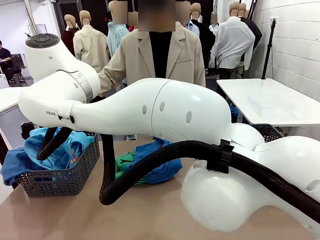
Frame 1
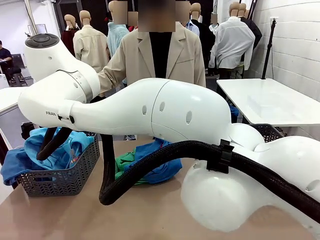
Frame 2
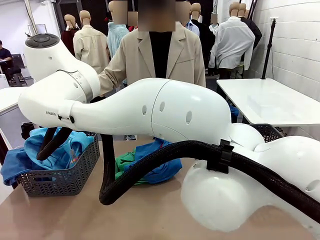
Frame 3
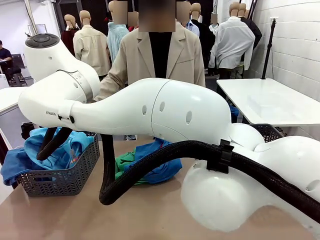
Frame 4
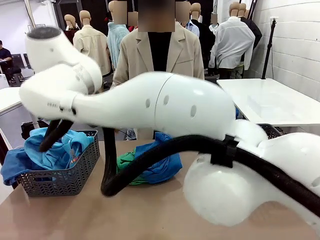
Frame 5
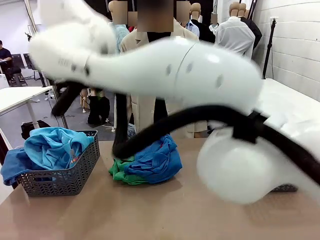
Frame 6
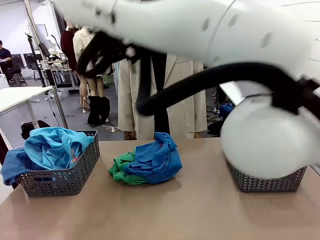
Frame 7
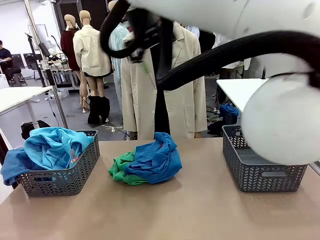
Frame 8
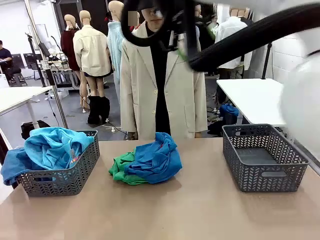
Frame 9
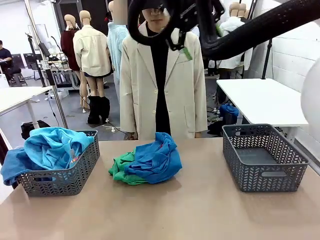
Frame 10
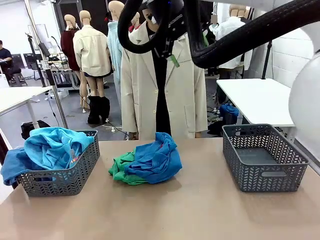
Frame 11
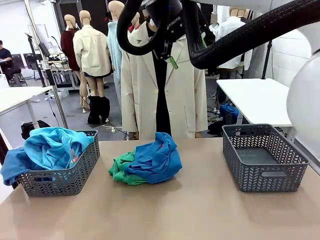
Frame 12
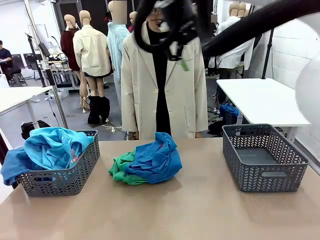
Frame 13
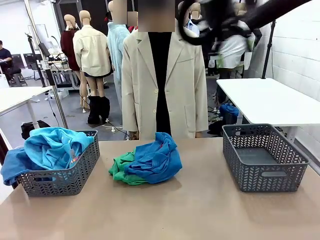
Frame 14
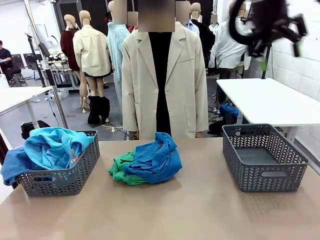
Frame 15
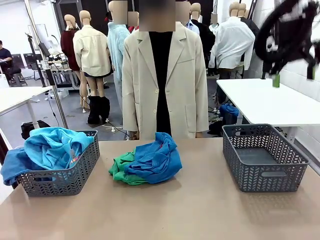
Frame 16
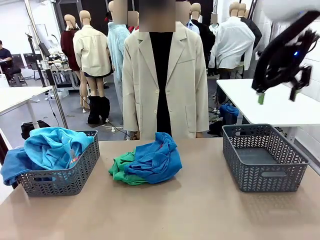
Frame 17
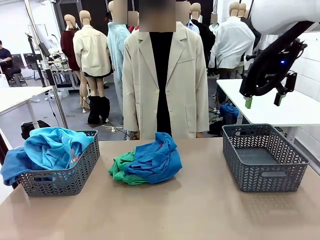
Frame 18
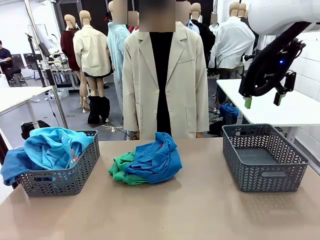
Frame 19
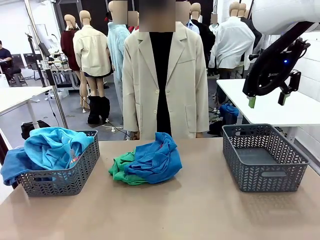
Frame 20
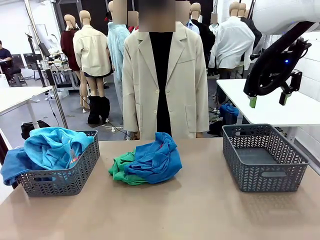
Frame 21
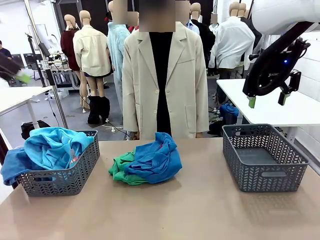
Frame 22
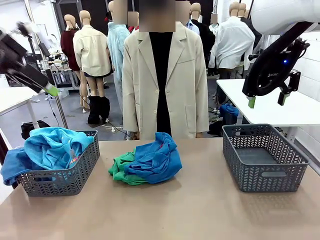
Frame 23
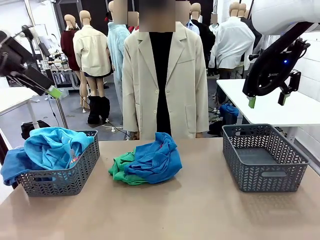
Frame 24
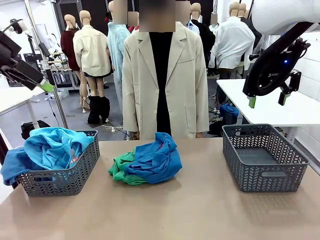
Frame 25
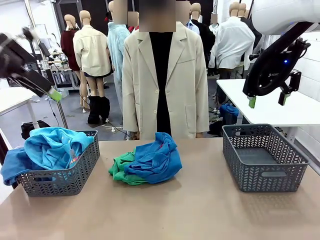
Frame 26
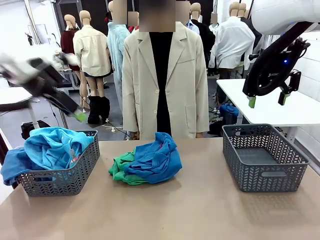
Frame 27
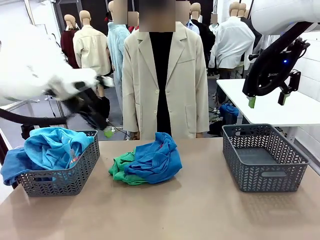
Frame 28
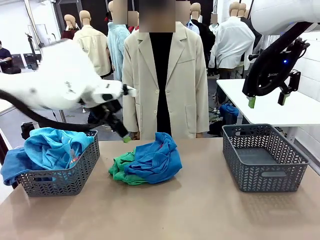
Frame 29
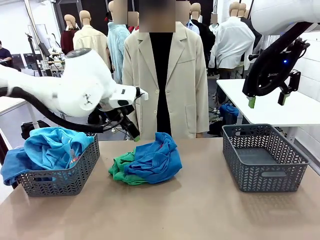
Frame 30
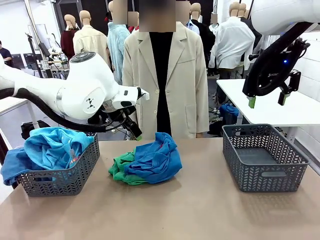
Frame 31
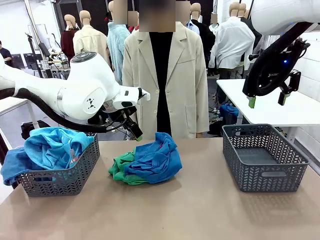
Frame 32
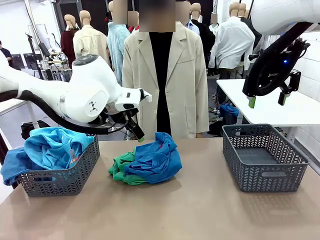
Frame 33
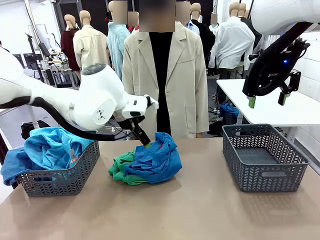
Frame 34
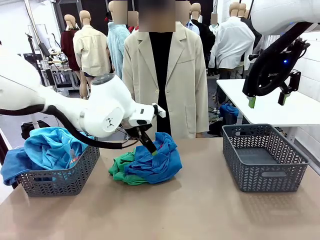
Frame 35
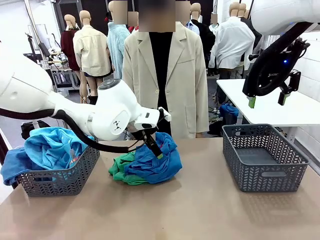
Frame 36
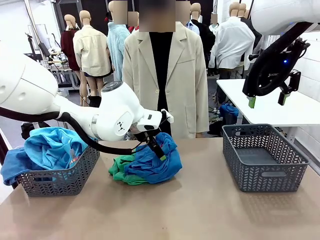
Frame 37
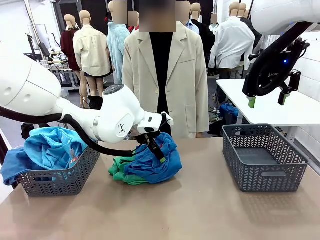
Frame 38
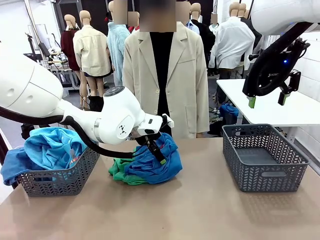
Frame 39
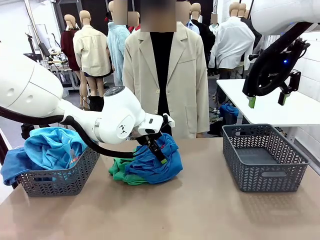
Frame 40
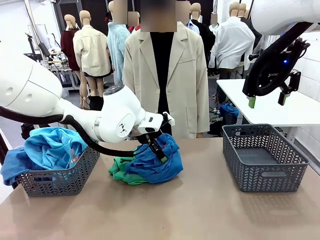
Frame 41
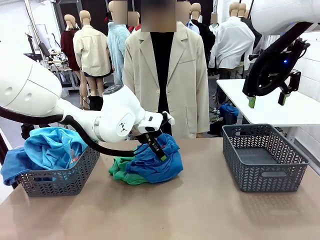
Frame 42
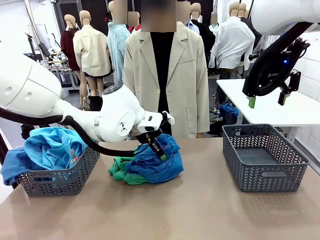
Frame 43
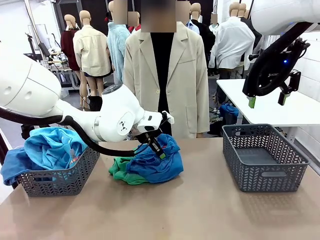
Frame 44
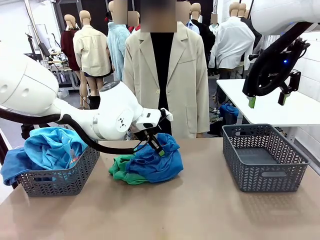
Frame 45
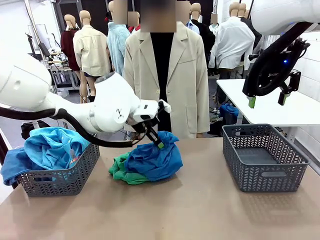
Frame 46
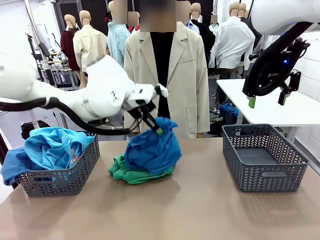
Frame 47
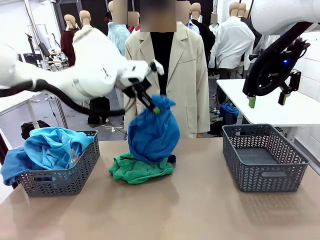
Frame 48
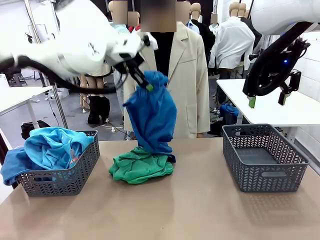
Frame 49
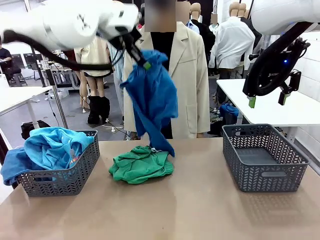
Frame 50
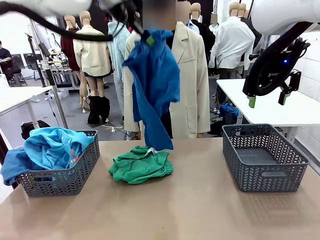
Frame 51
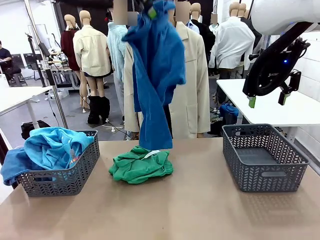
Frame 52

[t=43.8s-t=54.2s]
Task: Sort the tops and bottoms.
Robot: Lift clothes from the center of the table with your left hand.

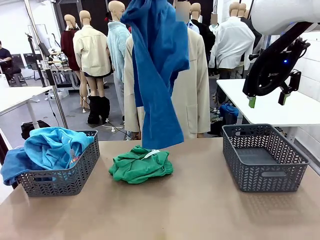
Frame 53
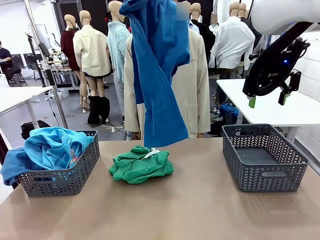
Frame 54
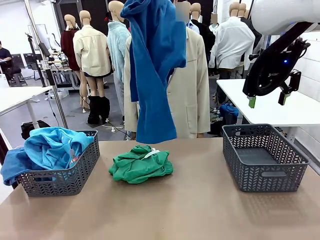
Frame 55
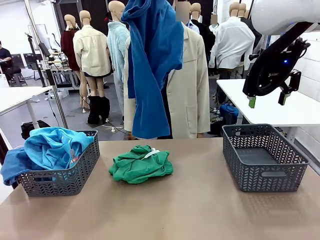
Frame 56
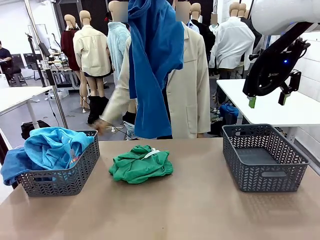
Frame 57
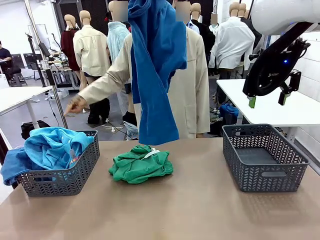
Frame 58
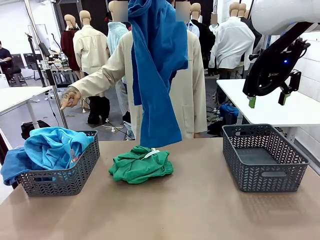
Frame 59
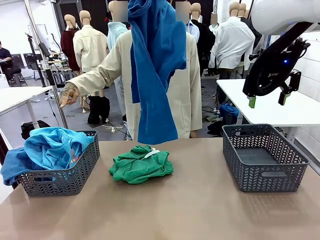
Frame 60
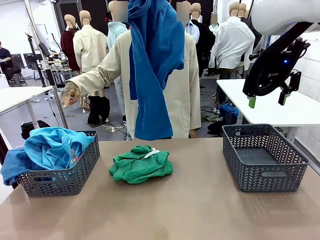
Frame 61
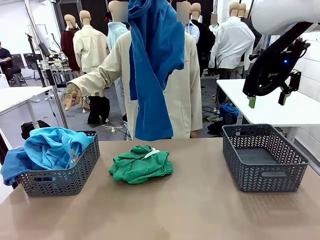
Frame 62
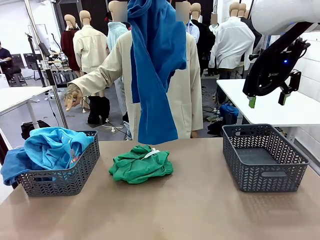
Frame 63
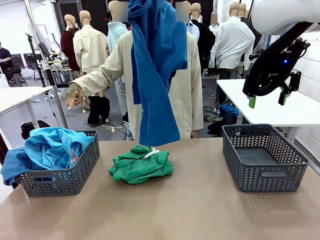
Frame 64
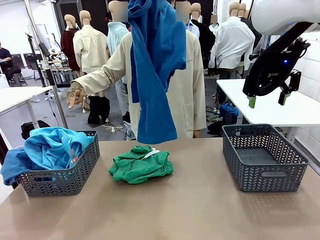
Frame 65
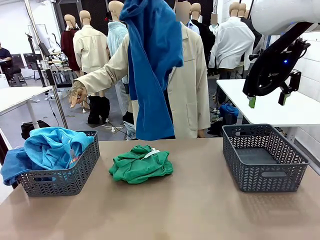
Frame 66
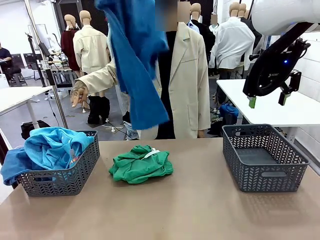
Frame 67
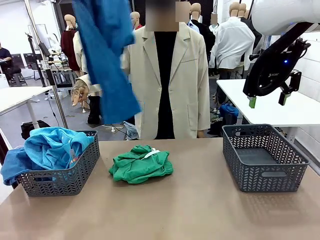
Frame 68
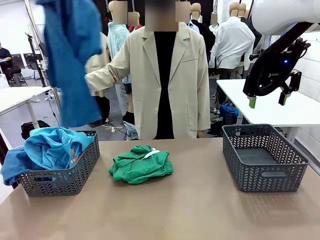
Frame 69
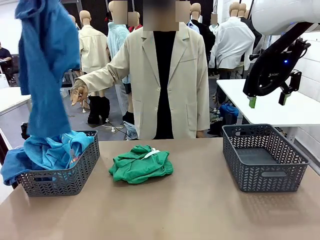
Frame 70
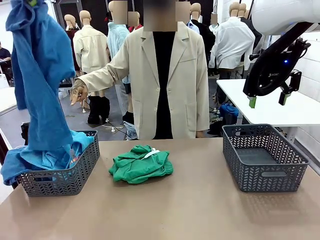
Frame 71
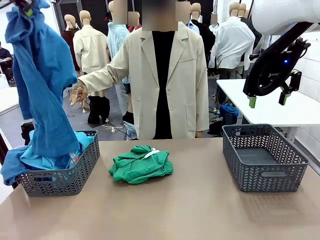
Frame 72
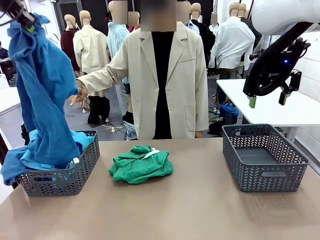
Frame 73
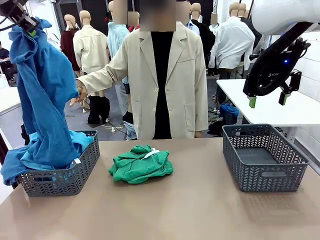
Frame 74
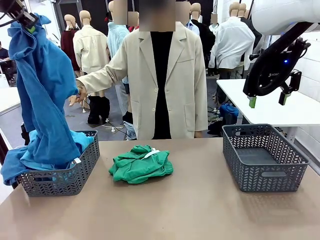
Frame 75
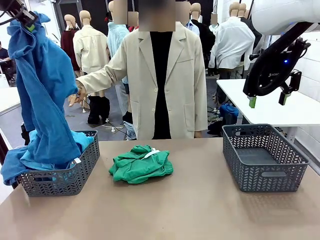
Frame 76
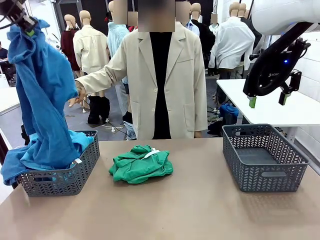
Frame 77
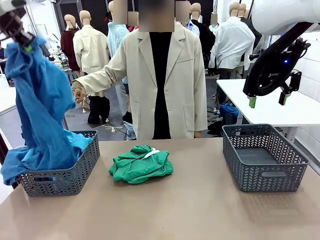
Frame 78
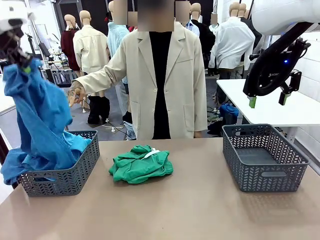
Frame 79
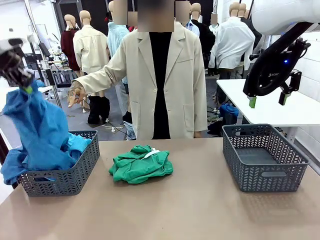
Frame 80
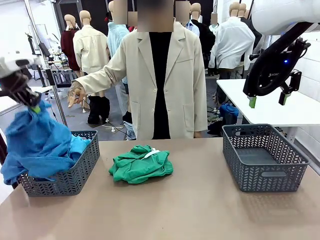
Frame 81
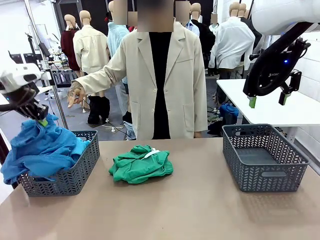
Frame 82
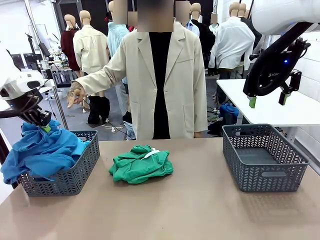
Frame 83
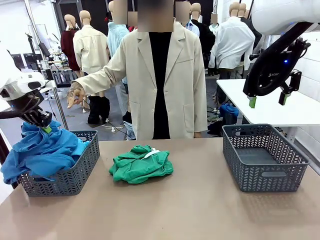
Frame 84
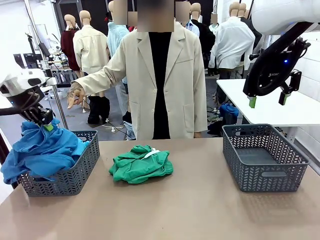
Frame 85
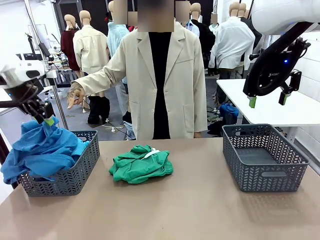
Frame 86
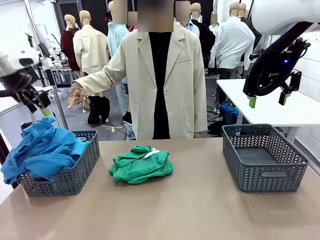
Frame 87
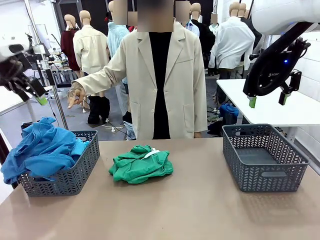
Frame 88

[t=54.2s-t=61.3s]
Robot: Sort the clothes according to human instructions.

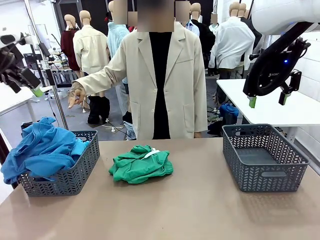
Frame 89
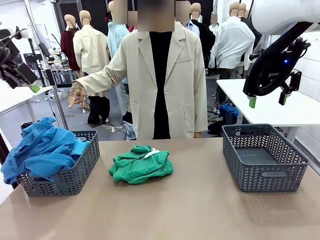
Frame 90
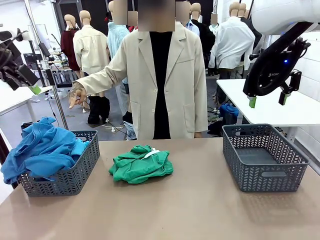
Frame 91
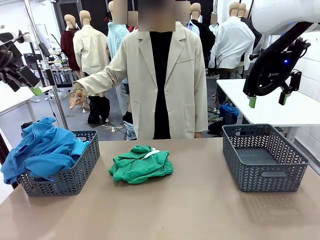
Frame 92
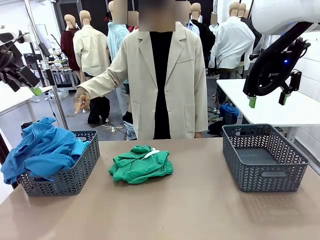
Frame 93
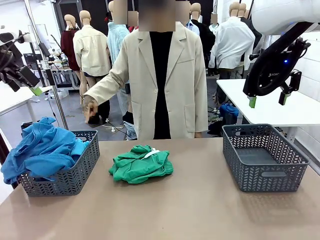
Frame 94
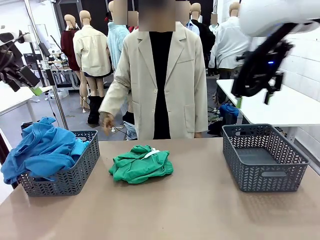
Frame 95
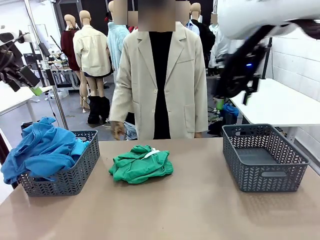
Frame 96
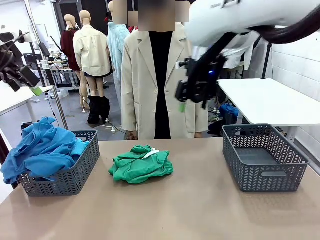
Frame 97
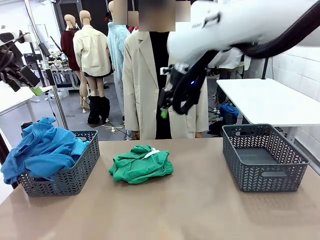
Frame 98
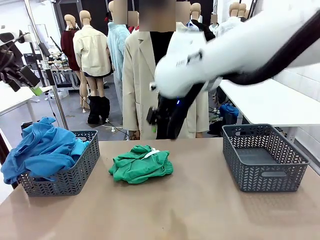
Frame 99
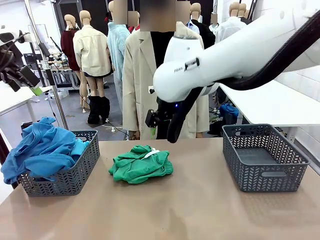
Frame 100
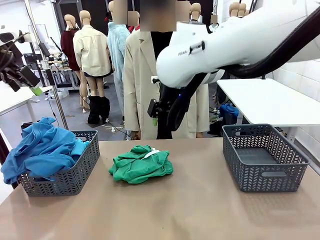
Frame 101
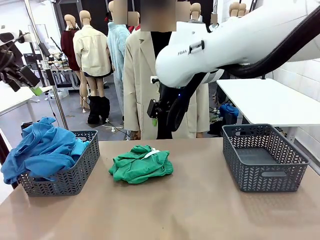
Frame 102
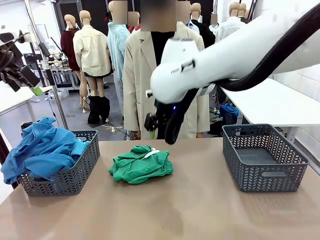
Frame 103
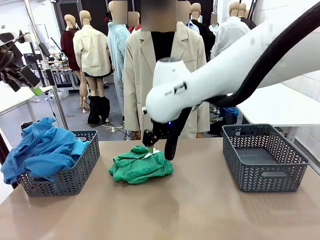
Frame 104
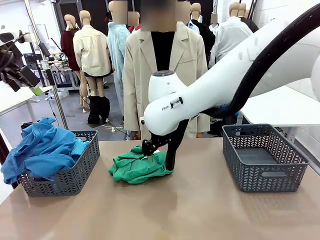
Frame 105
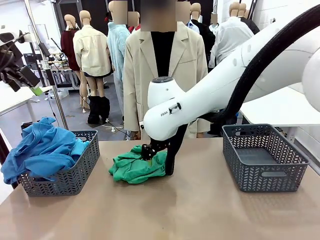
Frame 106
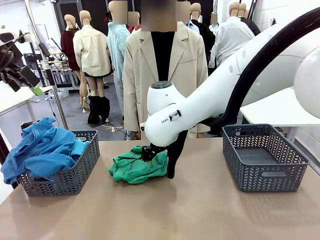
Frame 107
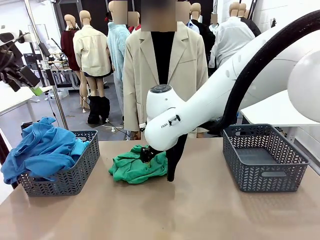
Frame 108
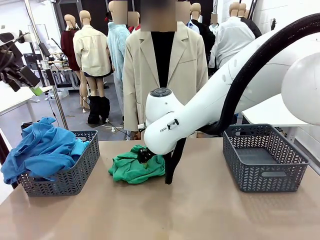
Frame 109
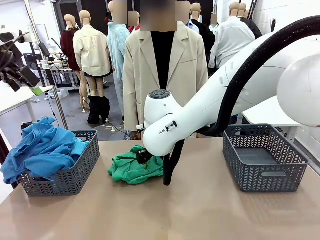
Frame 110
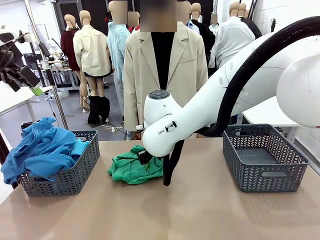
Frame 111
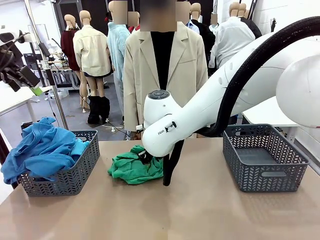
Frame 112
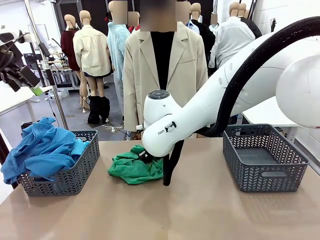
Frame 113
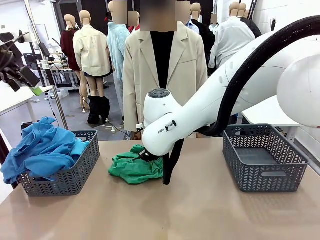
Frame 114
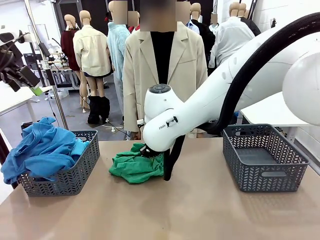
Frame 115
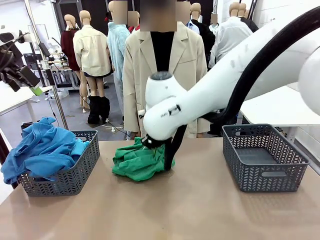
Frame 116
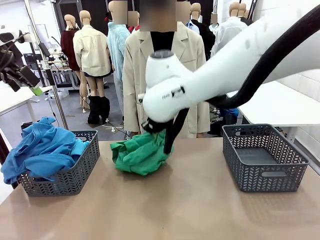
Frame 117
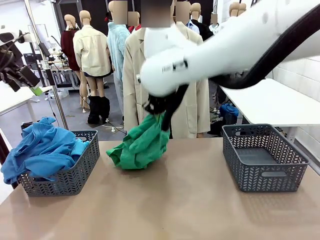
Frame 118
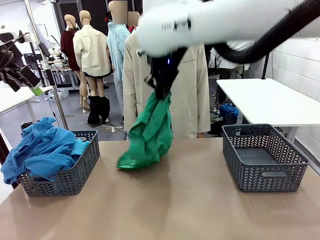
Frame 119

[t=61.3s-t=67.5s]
Robot: Lift clothes from the center of the table with your right hand.
